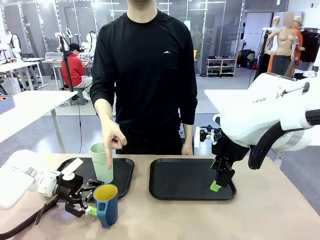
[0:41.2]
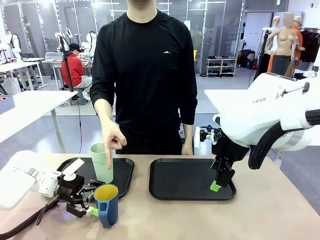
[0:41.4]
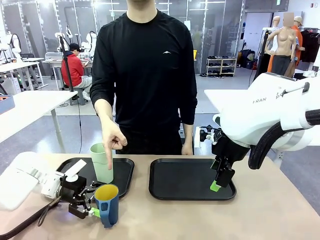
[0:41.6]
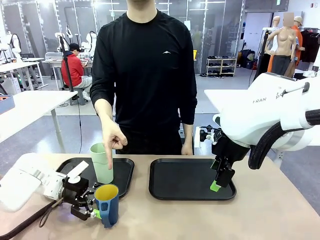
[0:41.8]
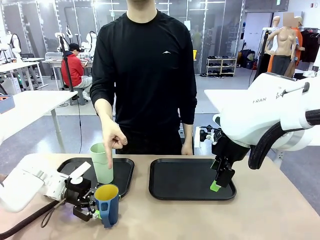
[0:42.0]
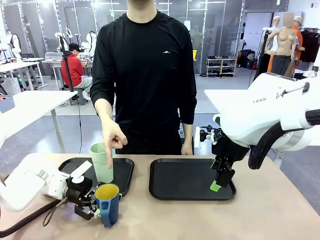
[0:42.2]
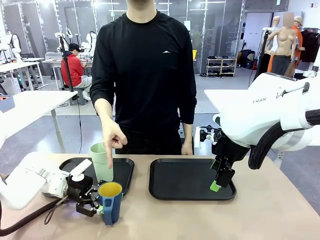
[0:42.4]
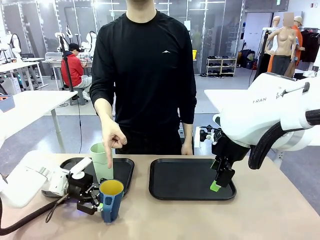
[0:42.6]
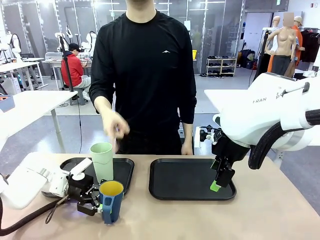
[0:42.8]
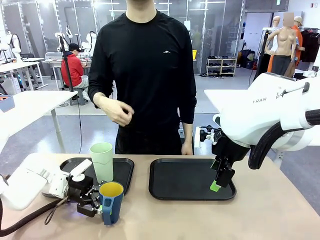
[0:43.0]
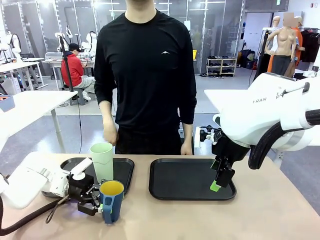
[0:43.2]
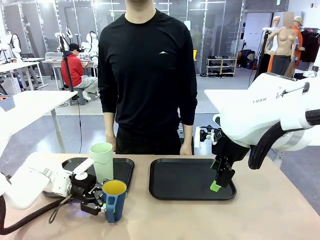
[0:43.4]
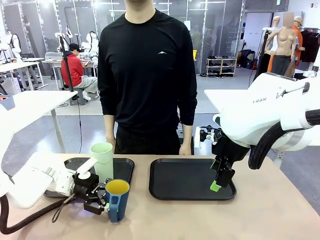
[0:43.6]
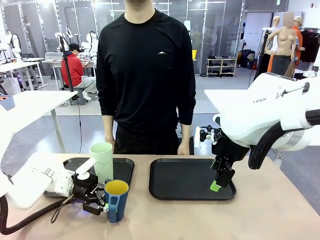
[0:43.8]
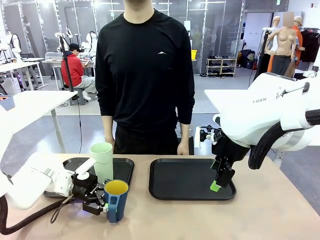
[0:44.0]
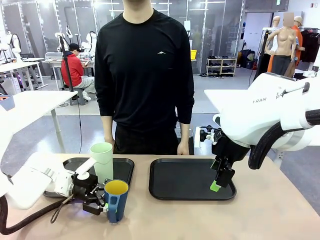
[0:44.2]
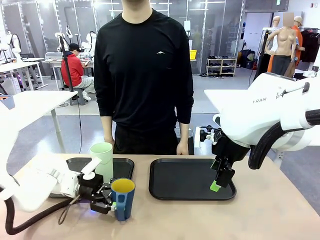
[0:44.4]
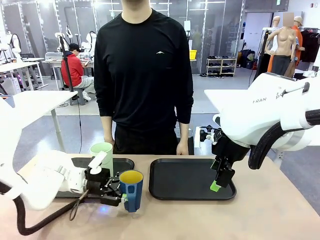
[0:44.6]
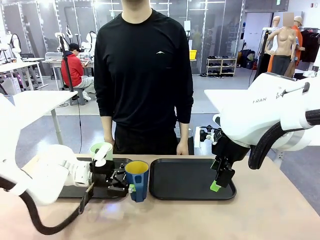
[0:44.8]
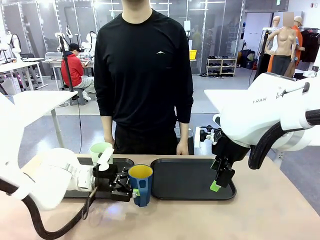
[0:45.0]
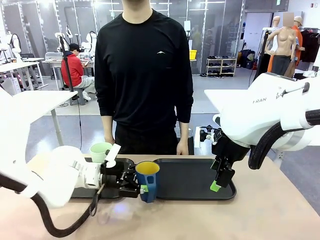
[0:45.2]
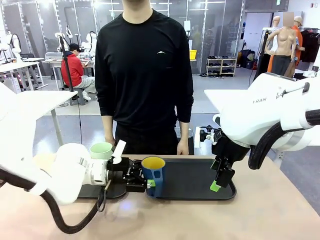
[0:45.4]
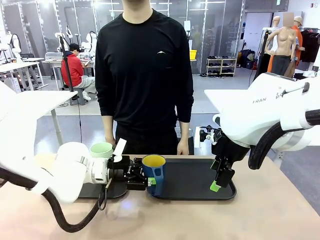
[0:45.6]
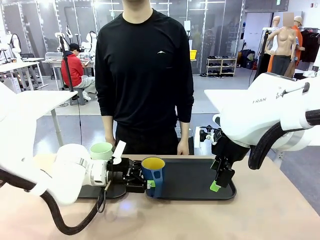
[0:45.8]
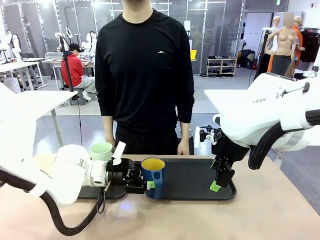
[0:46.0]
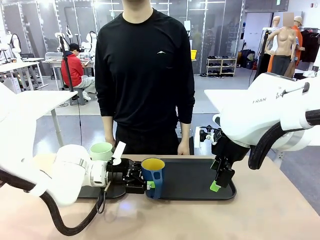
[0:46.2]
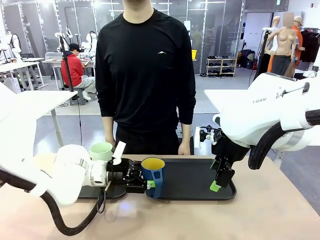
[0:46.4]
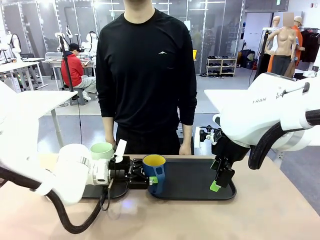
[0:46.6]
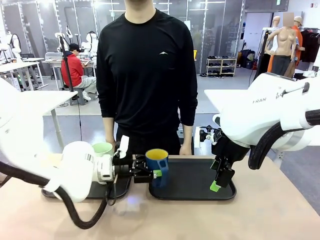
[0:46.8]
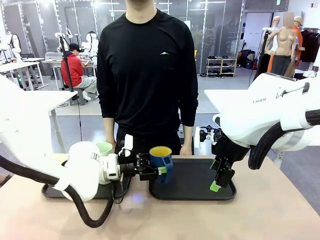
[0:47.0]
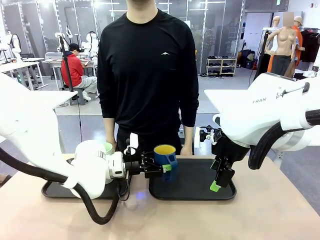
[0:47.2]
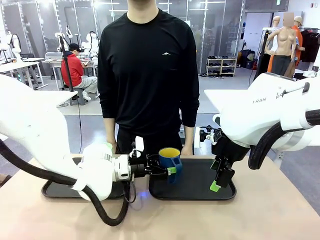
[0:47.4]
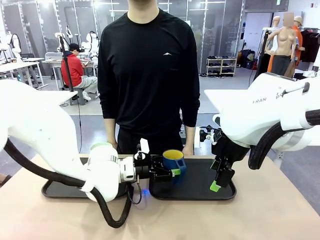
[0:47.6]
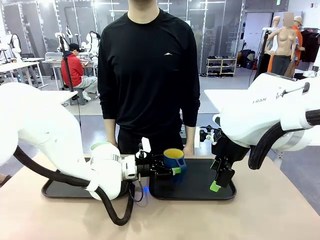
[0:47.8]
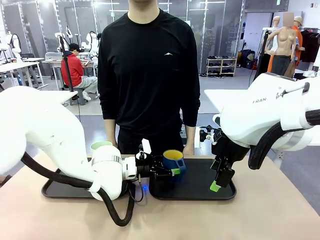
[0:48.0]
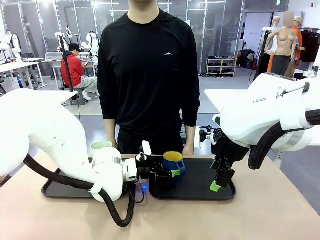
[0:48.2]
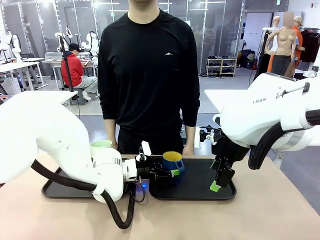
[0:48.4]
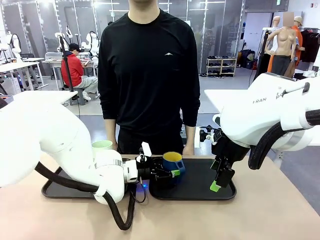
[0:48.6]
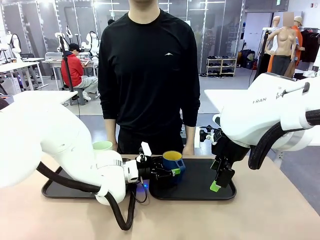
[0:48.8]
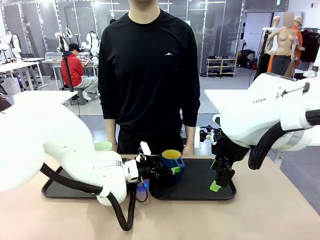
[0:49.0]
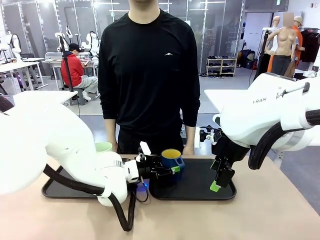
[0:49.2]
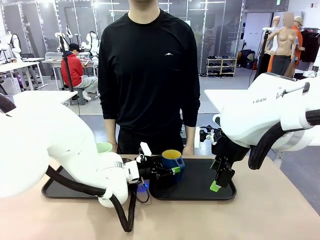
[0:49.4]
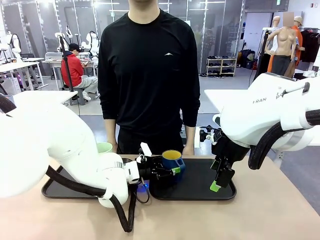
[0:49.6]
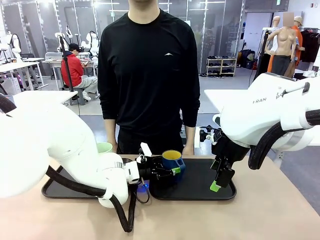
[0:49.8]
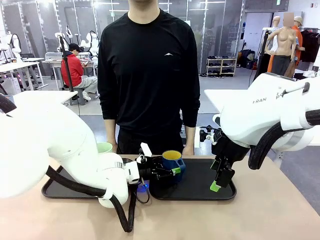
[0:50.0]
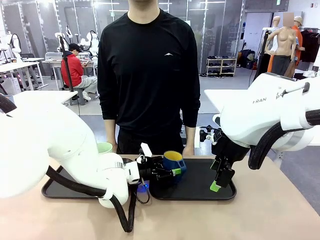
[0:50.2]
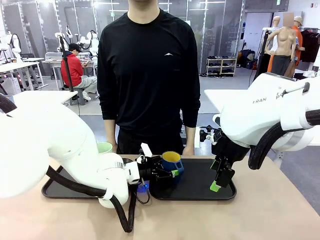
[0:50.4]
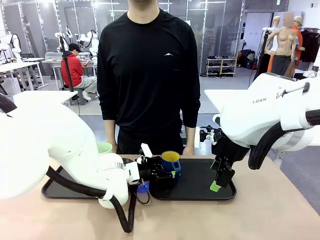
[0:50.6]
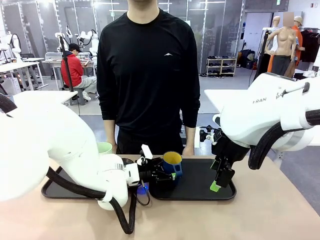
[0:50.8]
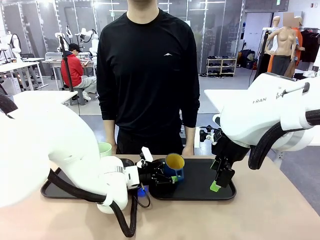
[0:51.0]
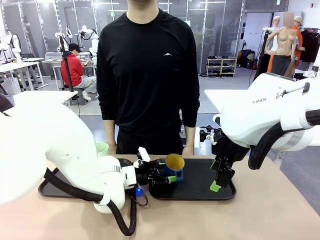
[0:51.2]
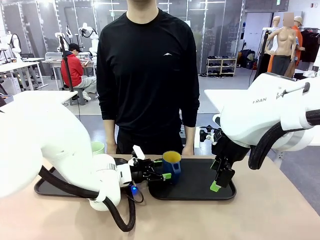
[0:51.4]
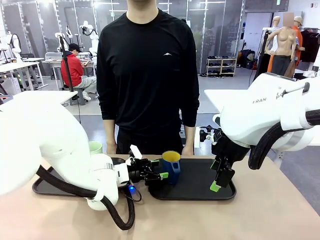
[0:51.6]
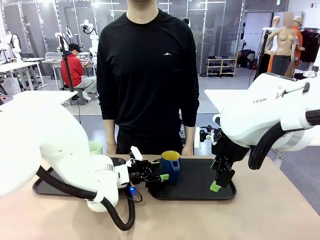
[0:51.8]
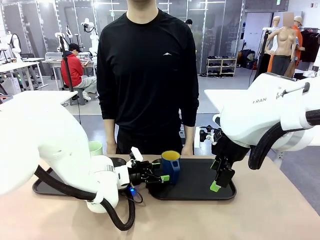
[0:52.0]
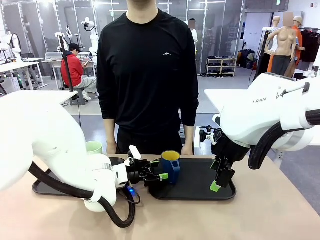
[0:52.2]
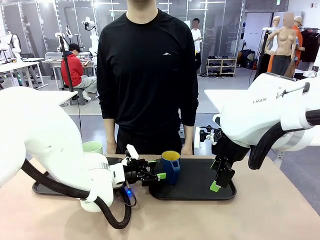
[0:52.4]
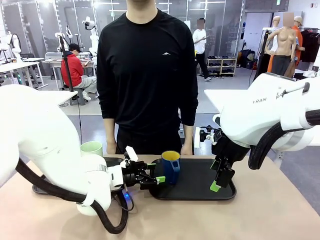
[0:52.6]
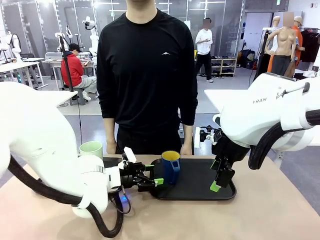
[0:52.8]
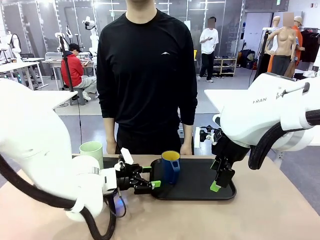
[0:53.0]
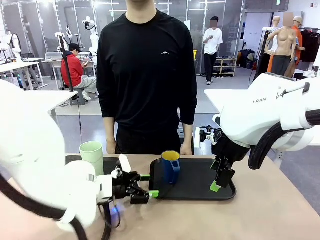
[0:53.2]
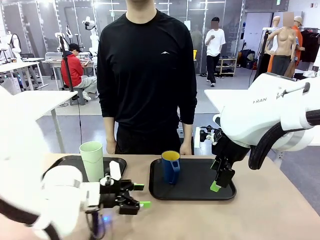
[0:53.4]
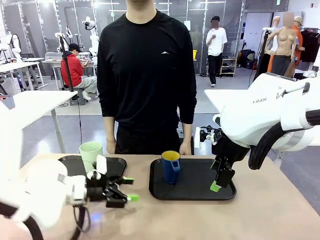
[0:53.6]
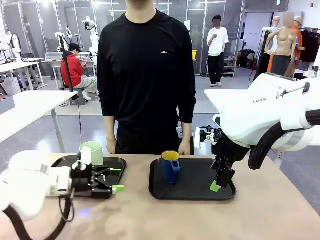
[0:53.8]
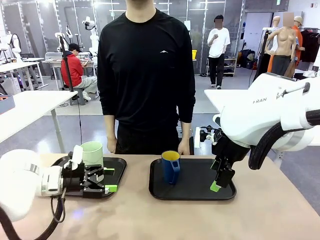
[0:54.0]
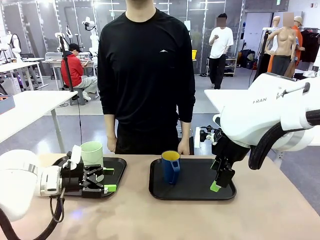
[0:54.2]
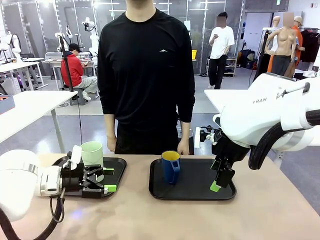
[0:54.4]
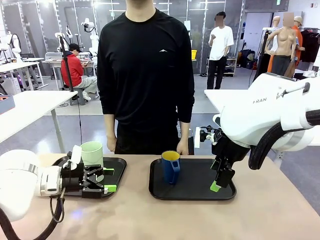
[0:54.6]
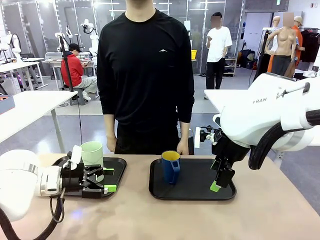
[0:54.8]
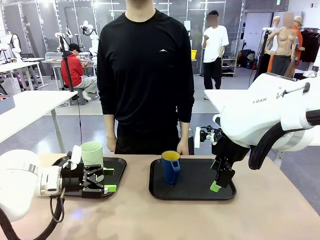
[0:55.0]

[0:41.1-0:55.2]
Task: Sort and store the cups by type.
Robot: Pick up the Handle plastic cup and place it into the empty Flat Tray.
